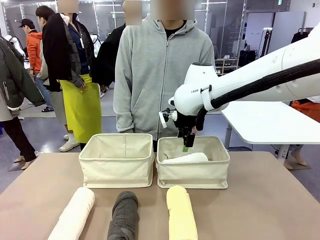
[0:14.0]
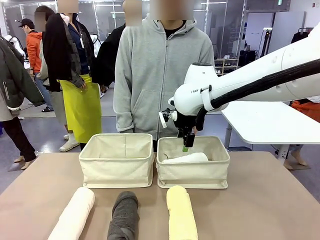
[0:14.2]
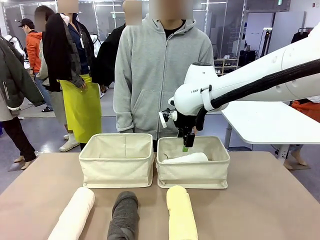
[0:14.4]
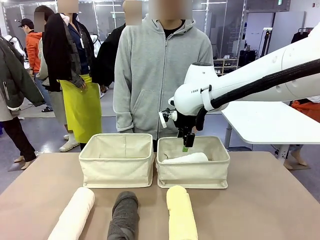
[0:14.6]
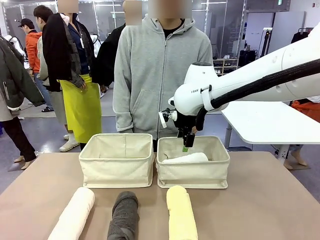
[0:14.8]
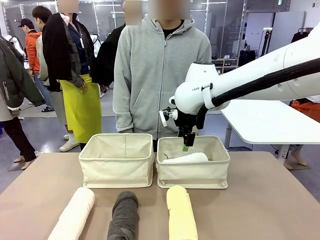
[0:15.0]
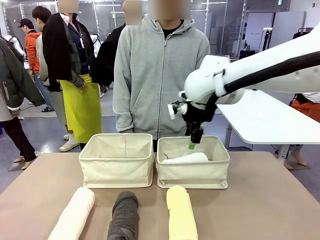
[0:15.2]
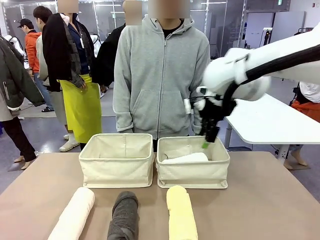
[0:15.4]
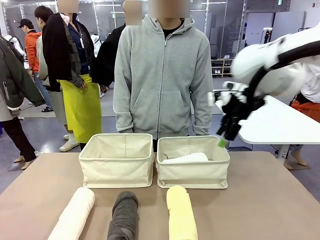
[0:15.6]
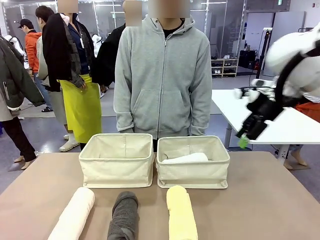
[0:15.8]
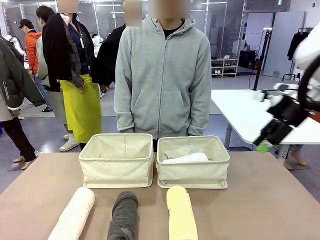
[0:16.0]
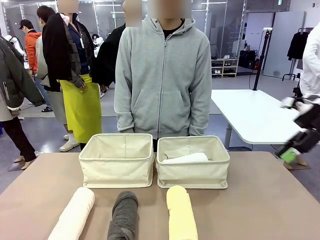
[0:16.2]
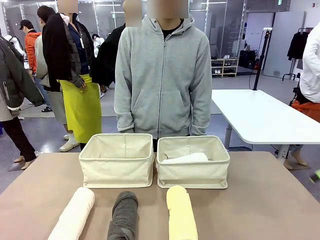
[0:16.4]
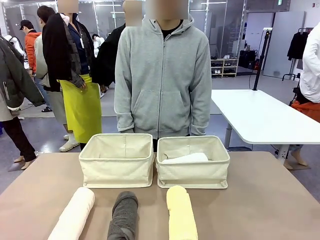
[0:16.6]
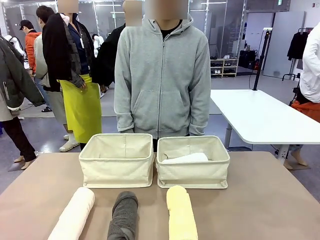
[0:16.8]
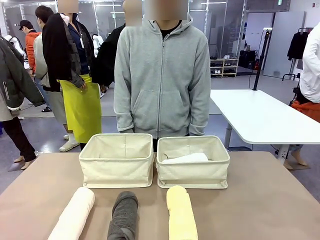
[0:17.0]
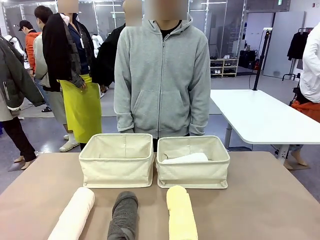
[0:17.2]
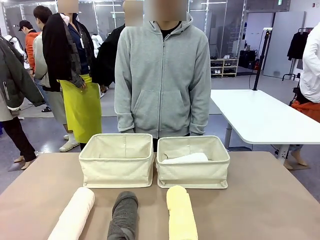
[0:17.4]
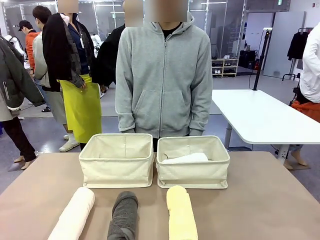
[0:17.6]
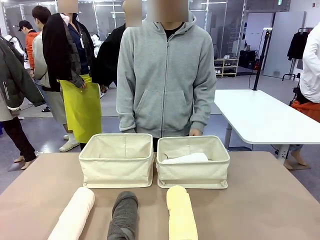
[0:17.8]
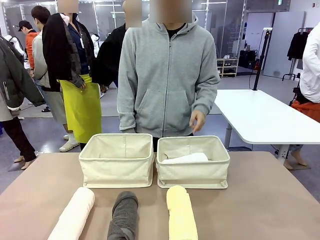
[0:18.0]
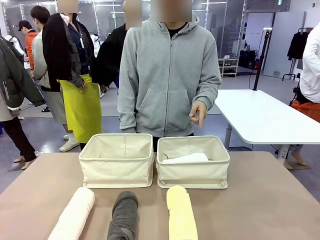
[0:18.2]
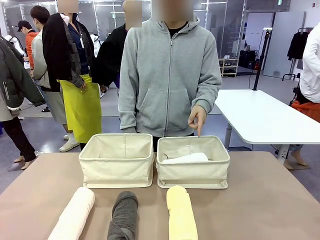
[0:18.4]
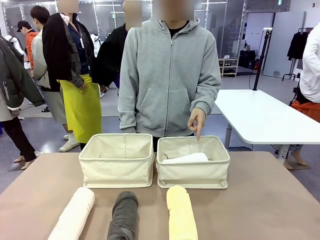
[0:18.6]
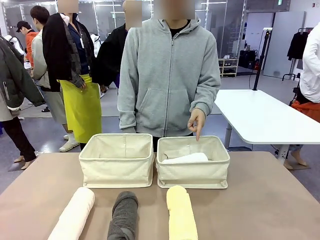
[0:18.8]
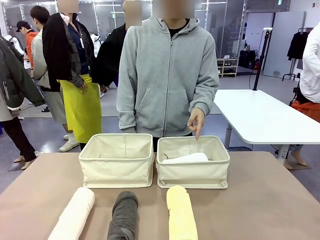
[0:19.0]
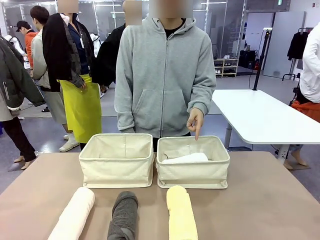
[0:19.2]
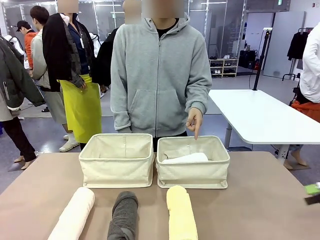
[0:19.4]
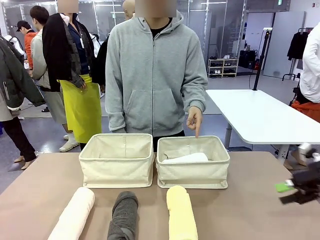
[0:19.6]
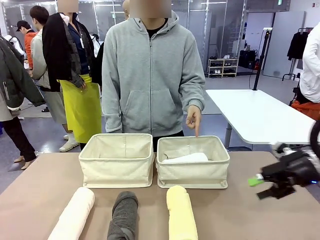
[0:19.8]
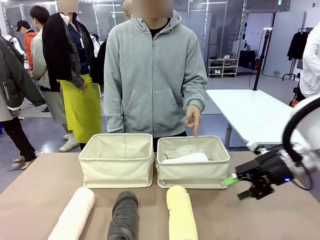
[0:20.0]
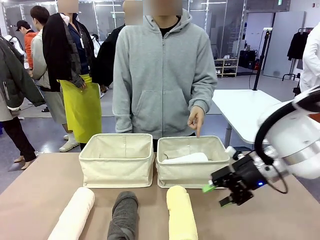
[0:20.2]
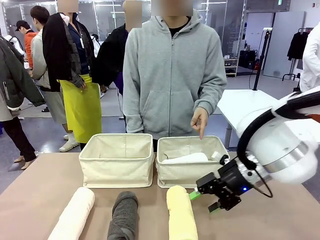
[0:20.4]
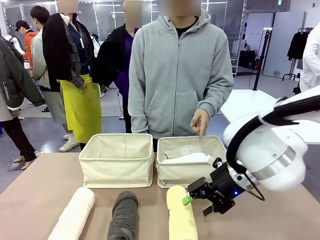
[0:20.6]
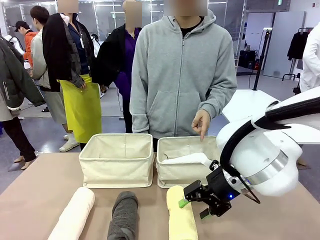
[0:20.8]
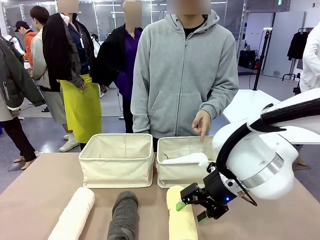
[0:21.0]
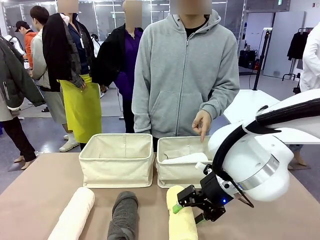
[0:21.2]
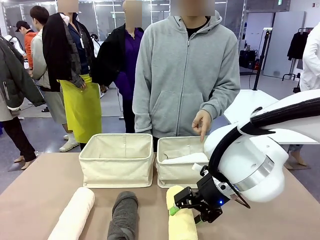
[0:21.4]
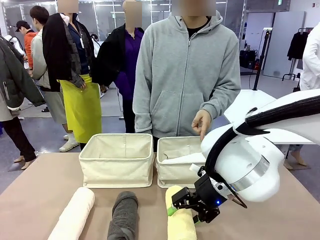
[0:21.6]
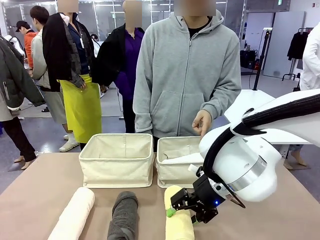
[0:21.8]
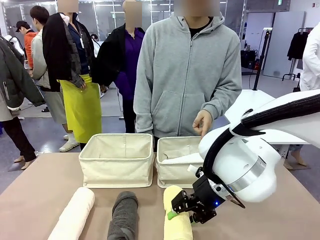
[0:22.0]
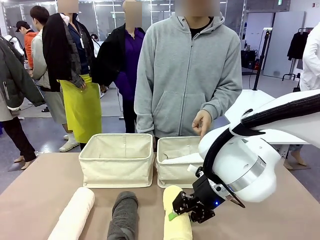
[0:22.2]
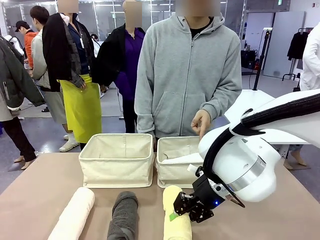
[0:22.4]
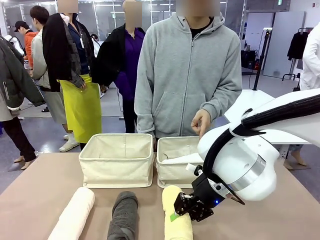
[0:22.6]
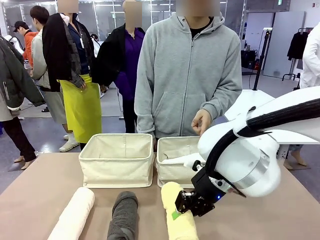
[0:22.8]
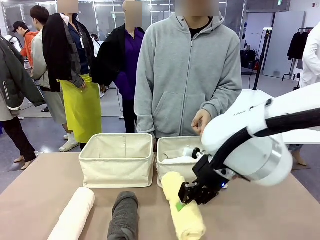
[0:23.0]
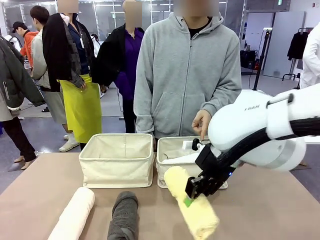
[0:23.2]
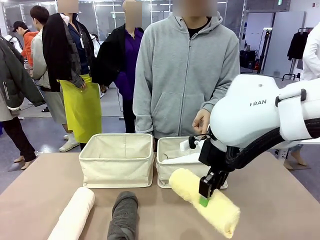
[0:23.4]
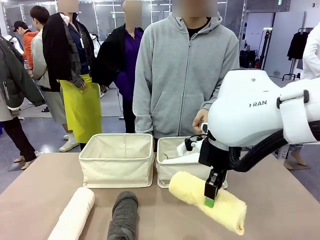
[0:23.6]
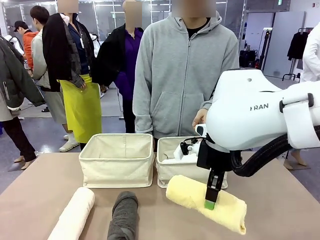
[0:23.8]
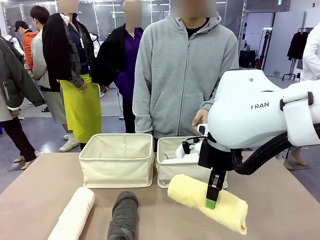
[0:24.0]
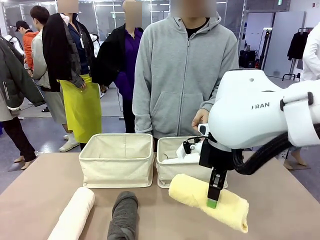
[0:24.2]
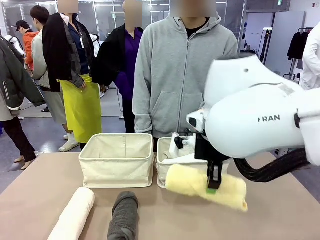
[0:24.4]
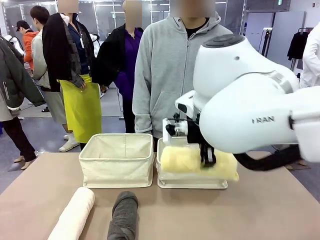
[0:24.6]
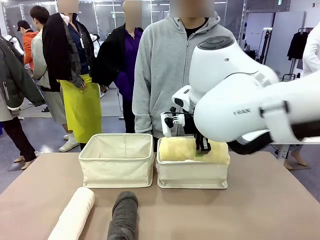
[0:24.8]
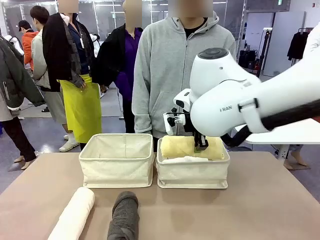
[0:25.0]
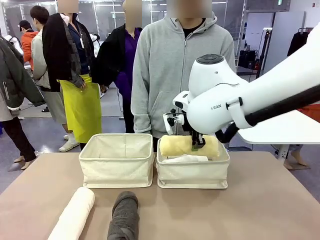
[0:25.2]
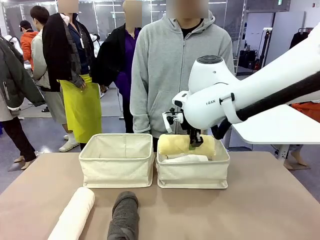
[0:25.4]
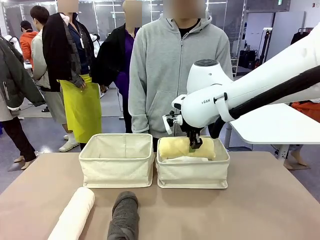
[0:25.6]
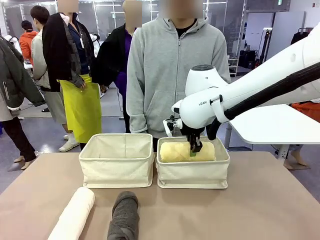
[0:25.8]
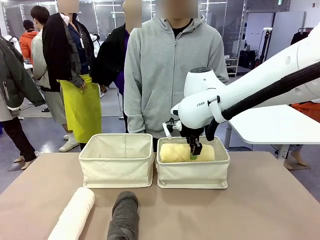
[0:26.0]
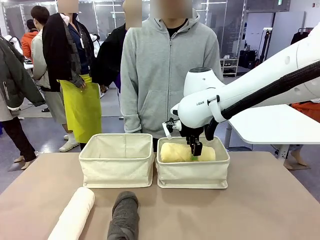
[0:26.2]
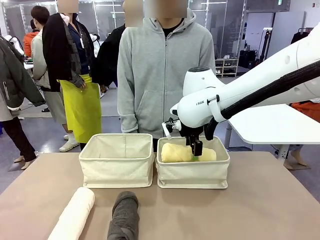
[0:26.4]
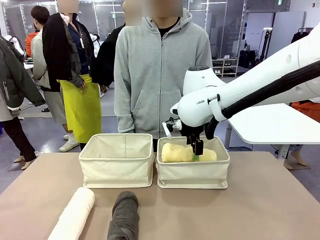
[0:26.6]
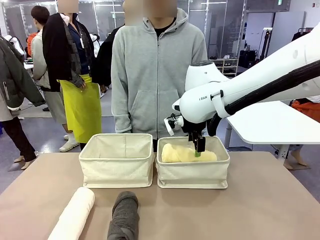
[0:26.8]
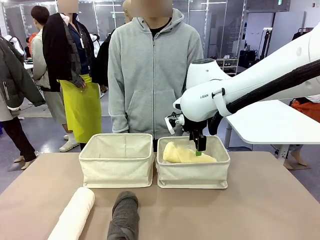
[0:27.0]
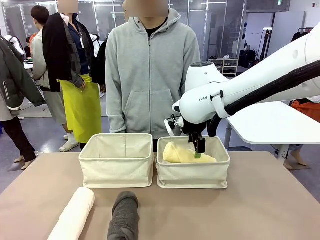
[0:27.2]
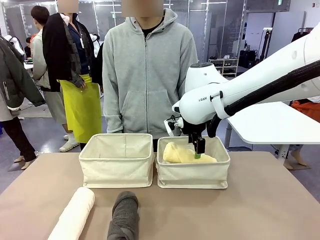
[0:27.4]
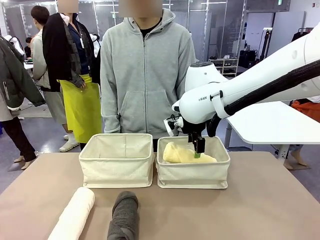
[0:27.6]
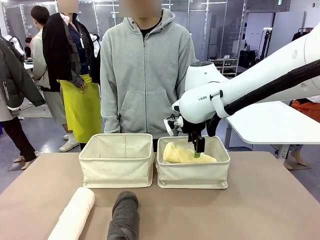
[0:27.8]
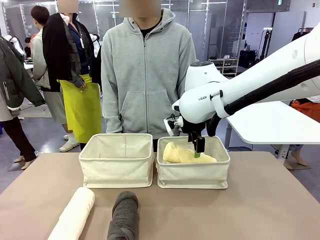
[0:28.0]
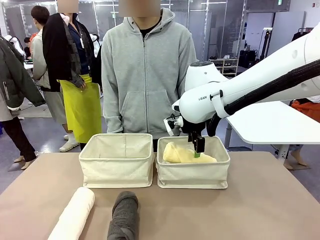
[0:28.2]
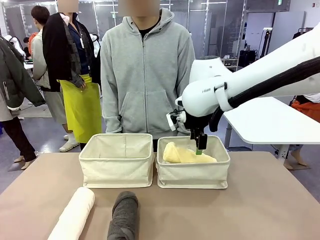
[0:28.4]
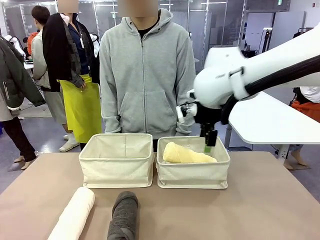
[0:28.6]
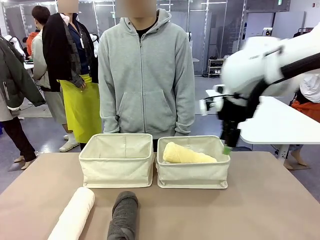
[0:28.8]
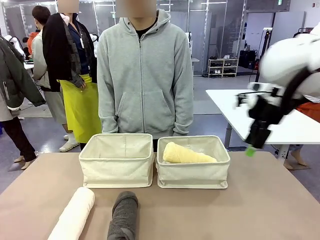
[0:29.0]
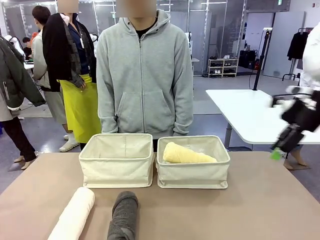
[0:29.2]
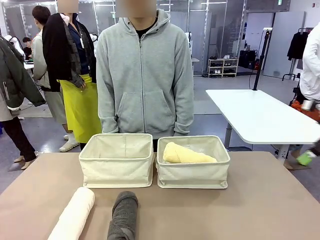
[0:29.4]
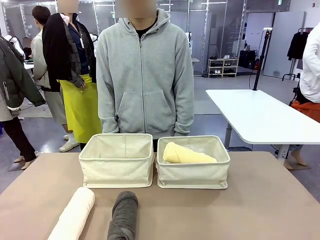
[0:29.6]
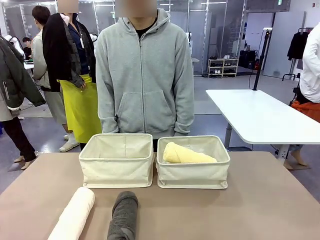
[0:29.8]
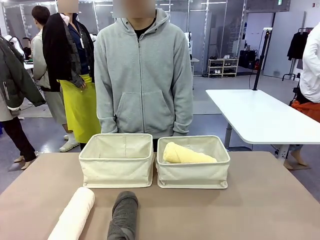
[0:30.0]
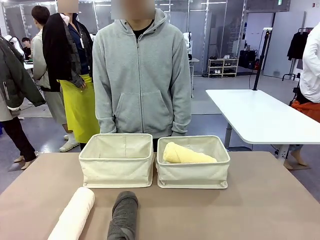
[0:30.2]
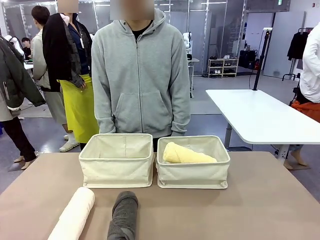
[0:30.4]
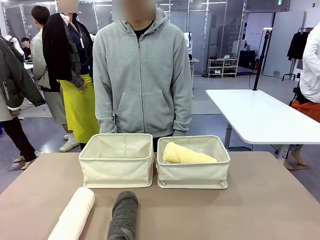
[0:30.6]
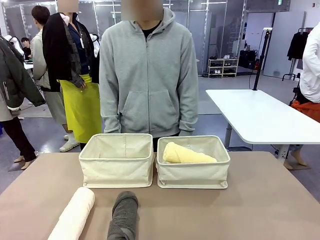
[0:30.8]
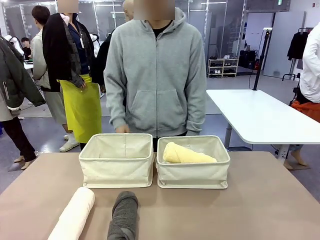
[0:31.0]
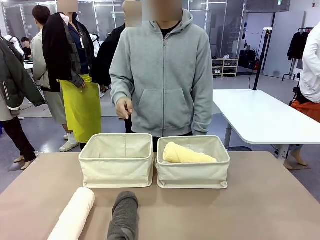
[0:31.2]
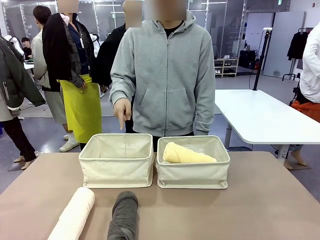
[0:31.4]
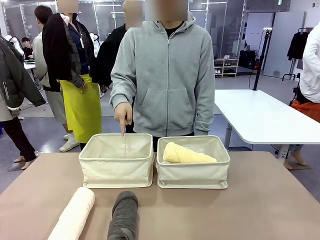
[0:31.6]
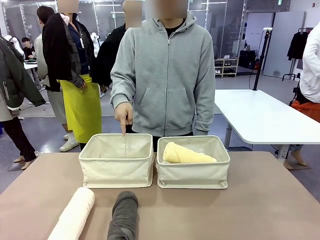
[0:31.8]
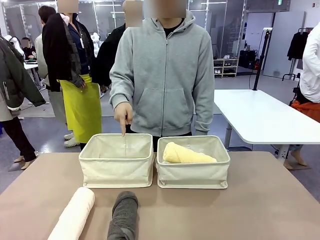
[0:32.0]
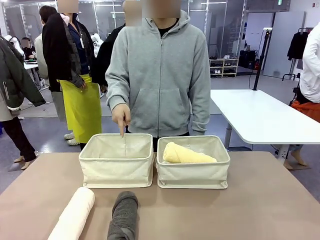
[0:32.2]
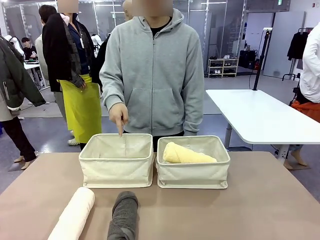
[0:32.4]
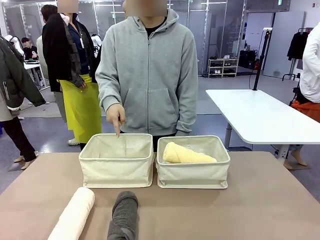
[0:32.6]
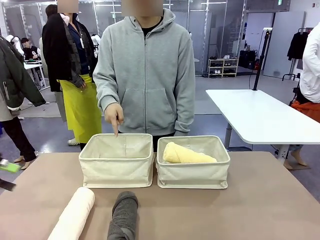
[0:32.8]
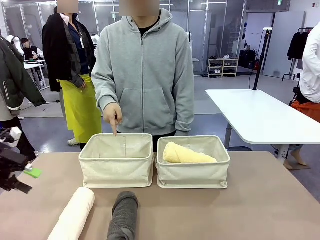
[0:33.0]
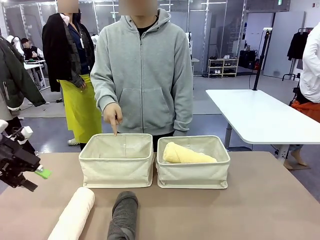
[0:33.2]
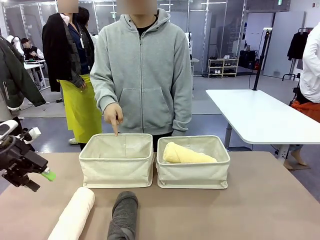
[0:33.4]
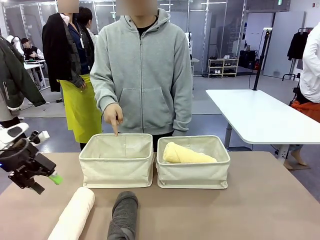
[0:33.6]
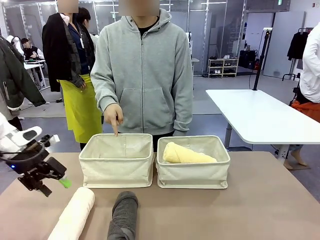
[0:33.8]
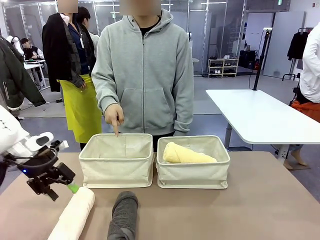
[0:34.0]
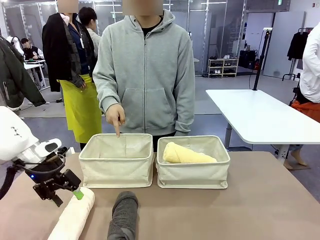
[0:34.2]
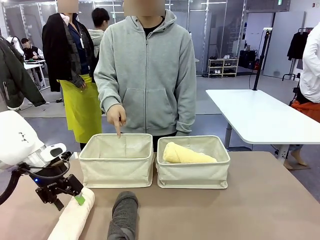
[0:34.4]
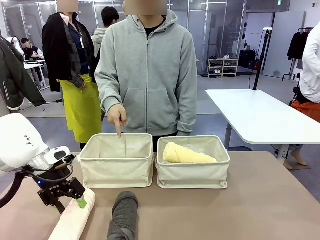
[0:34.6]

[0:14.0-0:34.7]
Task: Divide the towels into two baskets.
Robot: Pick up one hotel-folded towel from the bottom of the table and place it in the Fabric basket indicated by the person.
